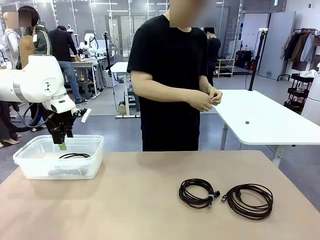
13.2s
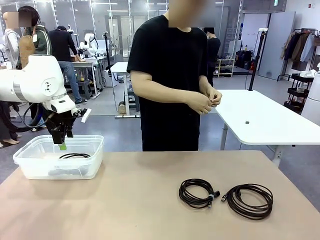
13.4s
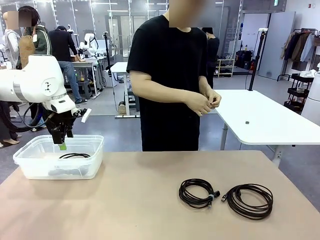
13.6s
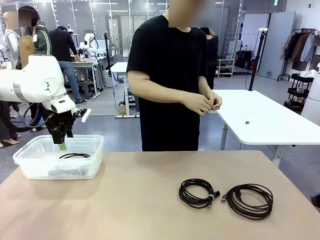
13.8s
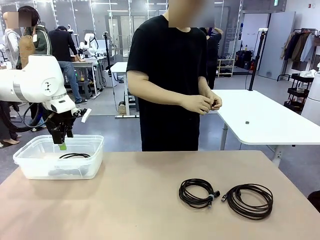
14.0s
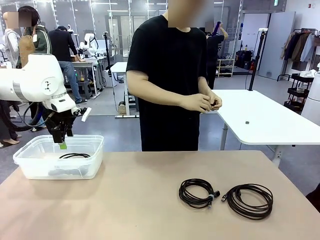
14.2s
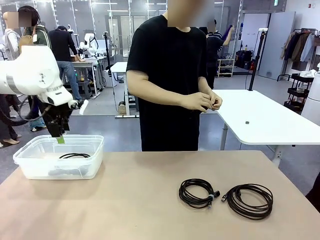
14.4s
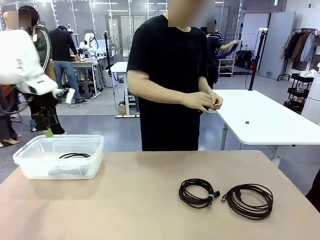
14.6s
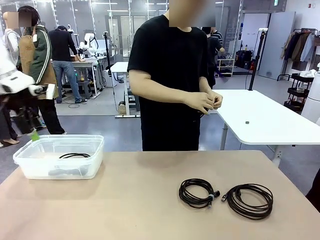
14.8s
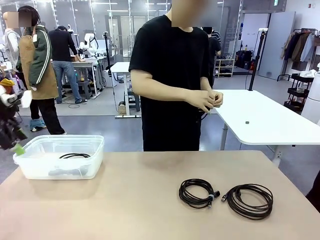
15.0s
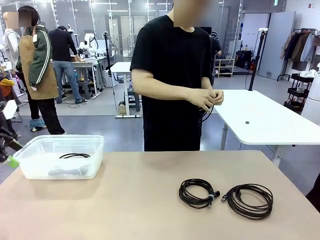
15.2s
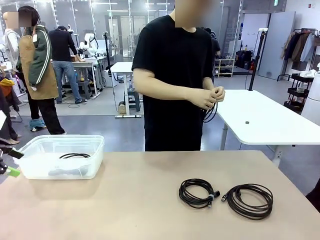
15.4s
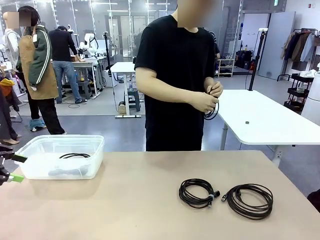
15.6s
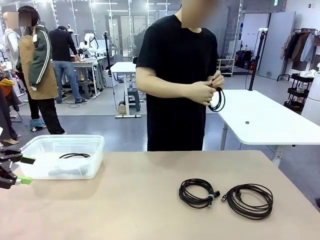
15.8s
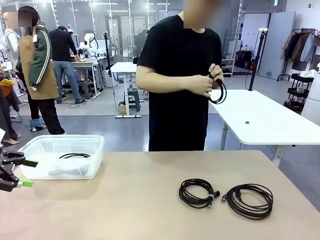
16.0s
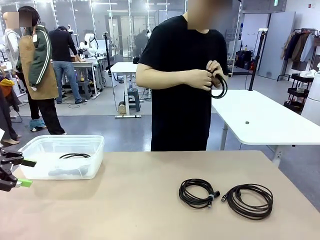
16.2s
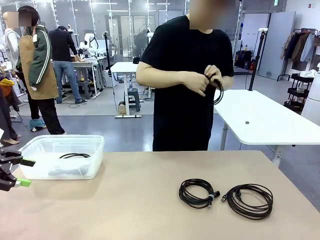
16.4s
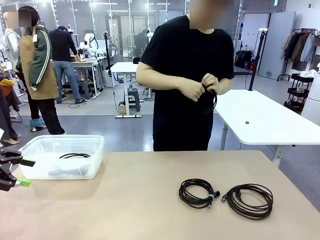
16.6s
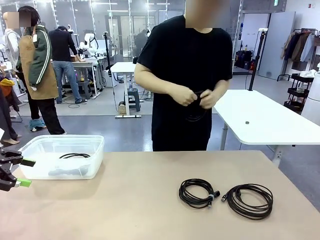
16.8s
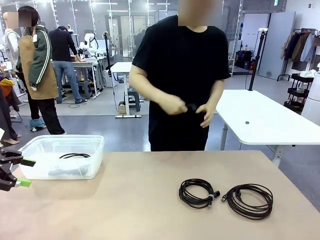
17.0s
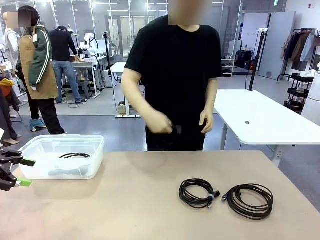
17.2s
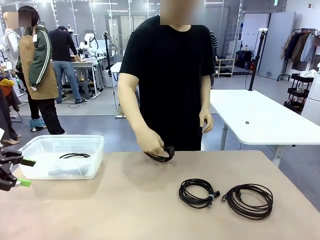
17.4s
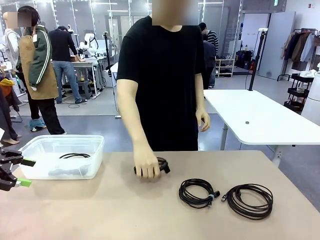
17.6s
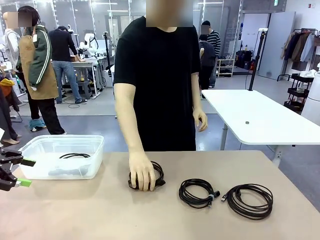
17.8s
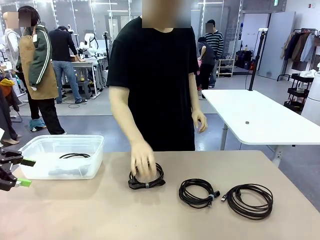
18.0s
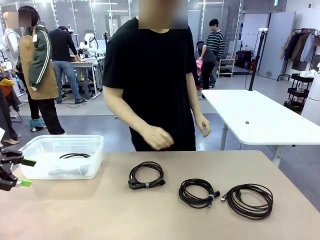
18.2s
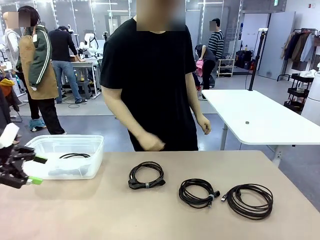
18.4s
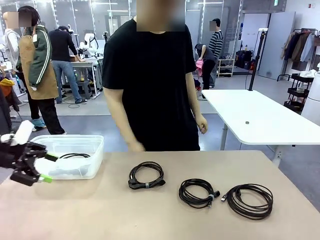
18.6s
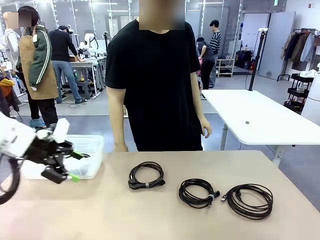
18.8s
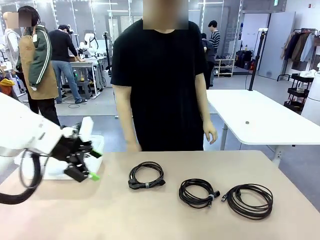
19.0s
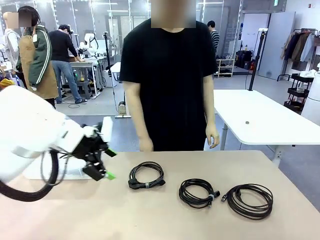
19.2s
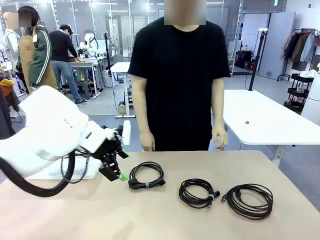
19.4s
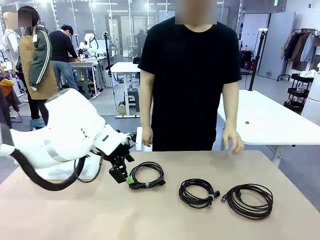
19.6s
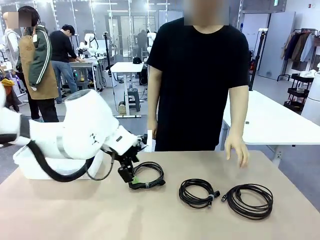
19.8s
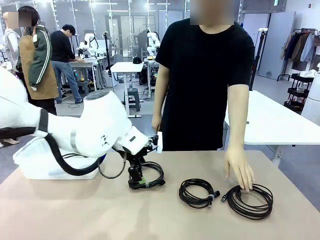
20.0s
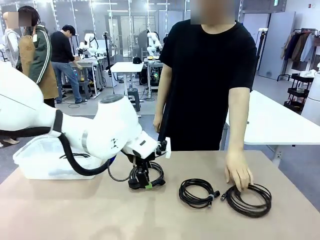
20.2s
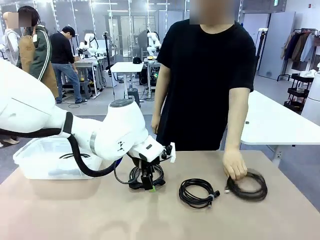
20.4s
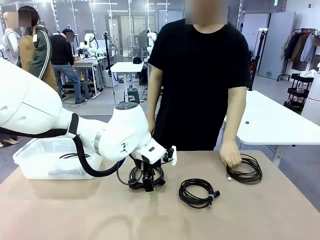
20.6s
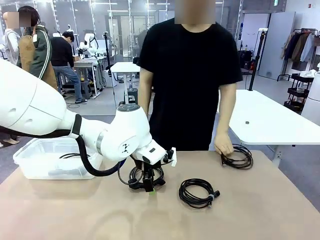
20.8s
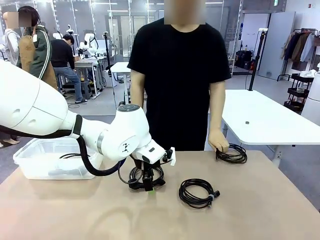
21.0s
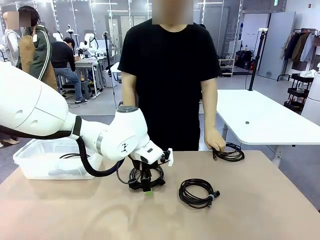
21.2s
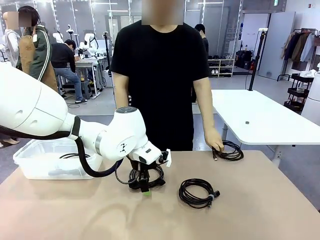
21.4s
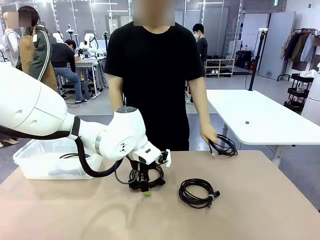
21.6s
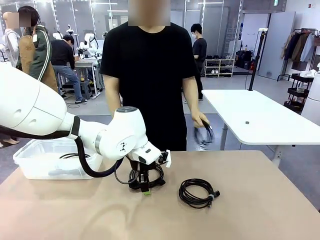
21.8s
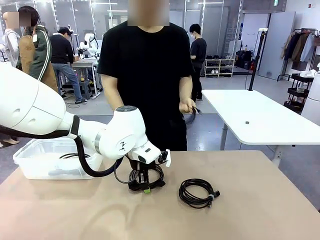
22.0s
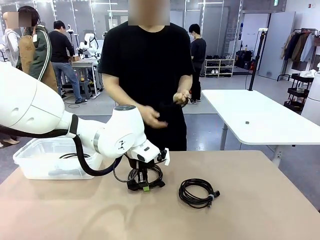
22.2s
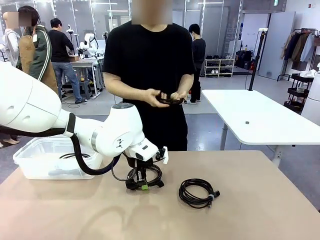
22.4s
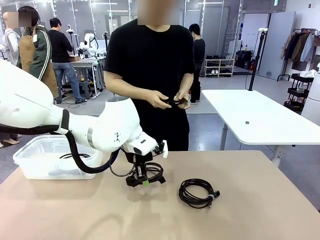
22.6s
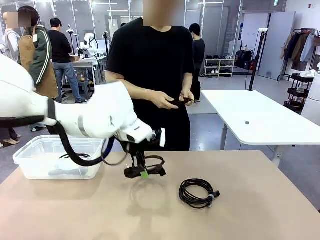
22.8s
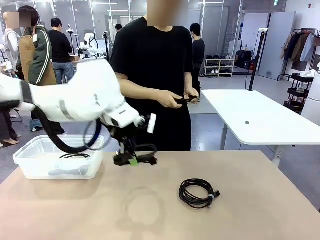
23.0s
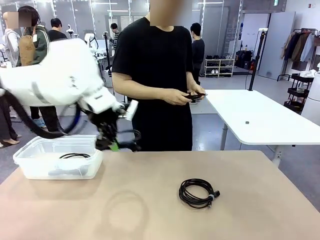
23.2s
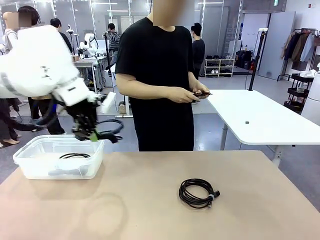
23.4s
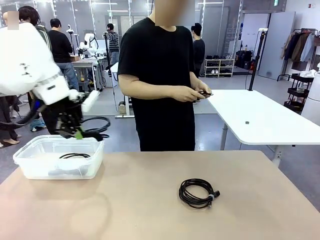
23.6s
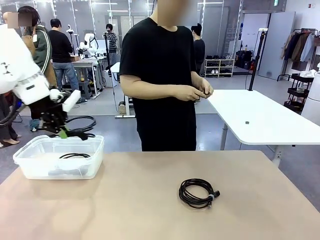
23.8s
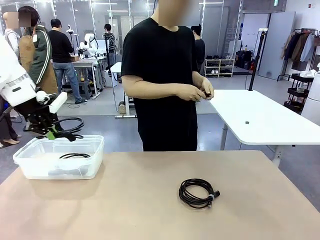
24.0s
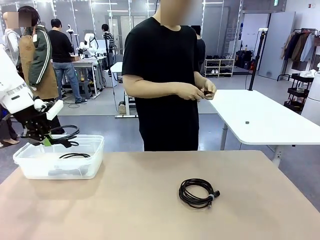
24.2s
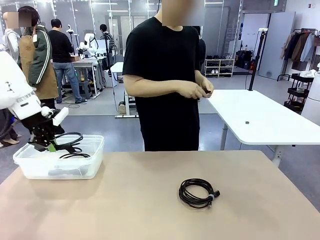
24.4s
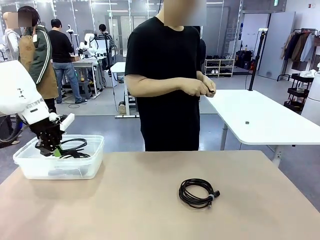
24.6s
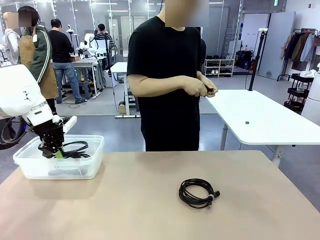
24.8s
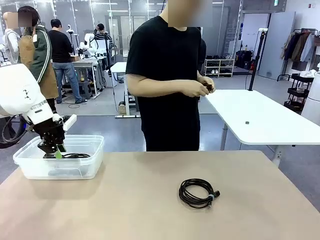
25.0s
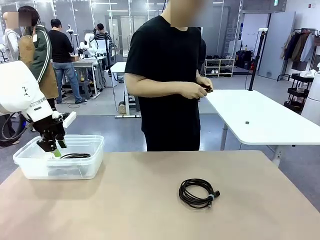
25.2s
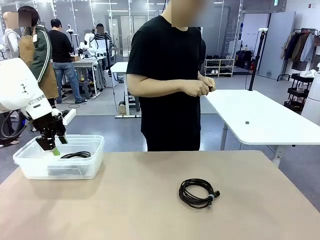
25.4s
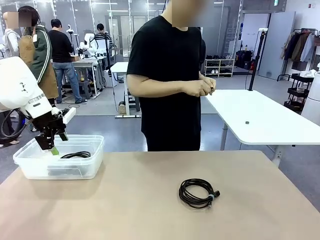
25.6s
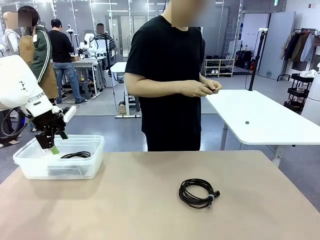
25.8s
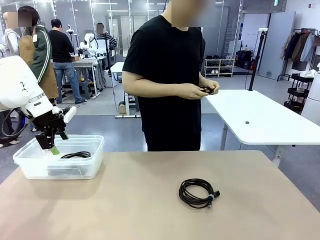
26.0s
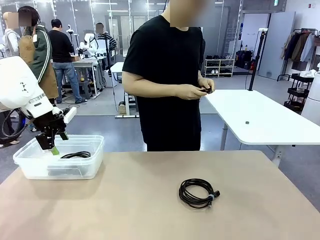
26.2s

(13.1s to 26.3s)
Task: Organize and store the cables.
Robot: Place the Power Cable into the Organizing box.
